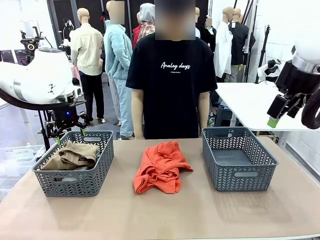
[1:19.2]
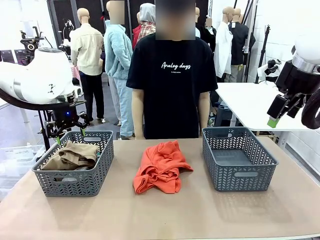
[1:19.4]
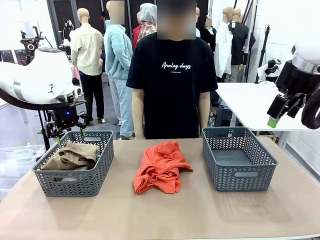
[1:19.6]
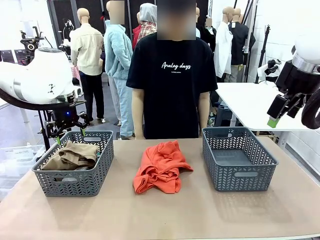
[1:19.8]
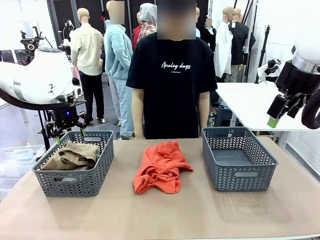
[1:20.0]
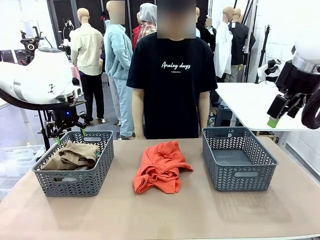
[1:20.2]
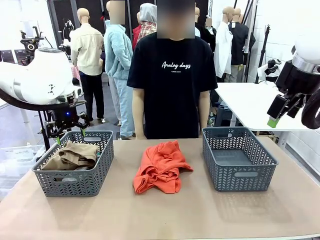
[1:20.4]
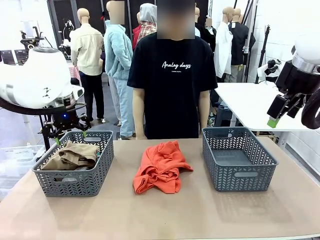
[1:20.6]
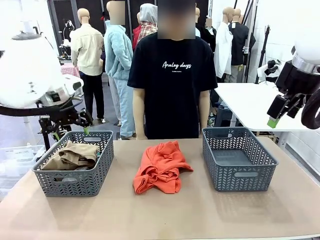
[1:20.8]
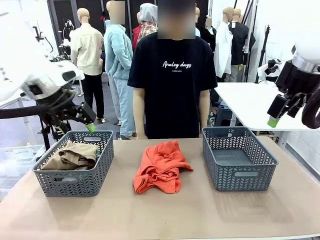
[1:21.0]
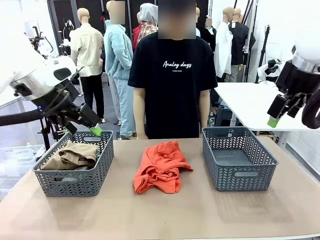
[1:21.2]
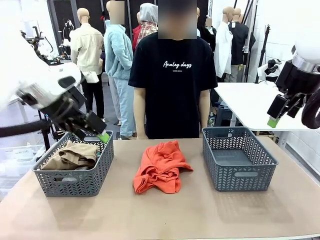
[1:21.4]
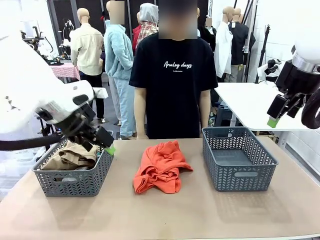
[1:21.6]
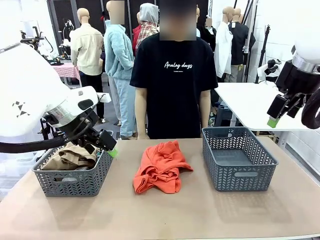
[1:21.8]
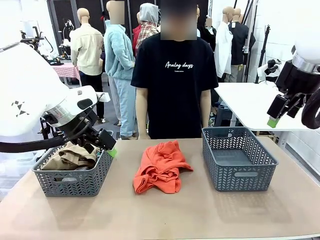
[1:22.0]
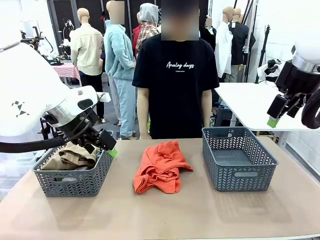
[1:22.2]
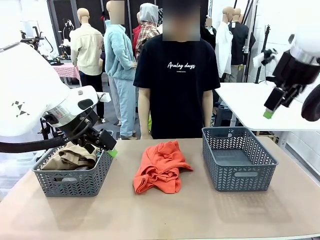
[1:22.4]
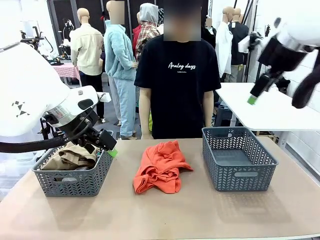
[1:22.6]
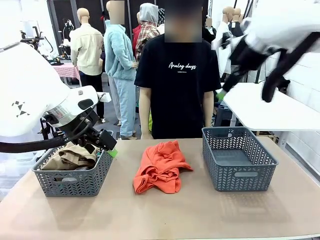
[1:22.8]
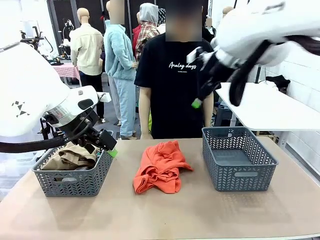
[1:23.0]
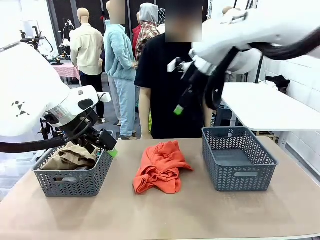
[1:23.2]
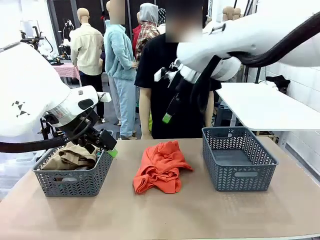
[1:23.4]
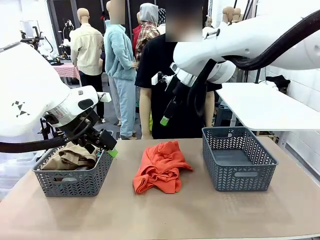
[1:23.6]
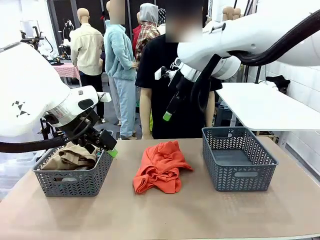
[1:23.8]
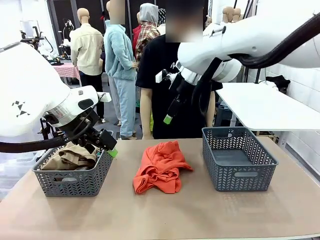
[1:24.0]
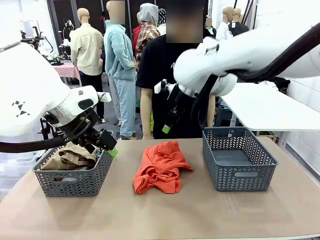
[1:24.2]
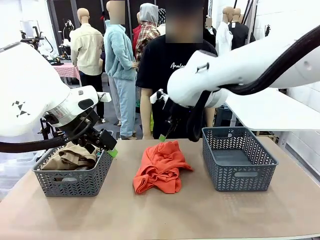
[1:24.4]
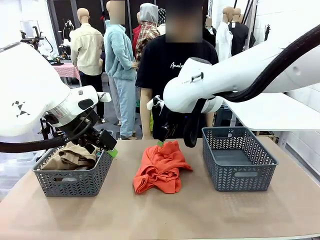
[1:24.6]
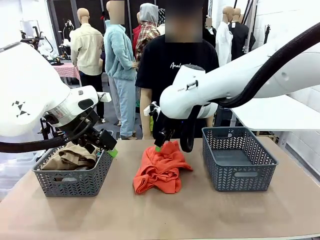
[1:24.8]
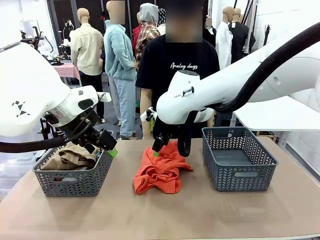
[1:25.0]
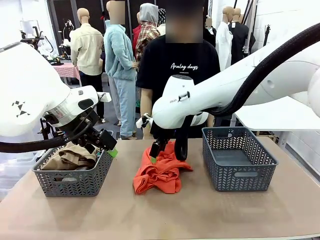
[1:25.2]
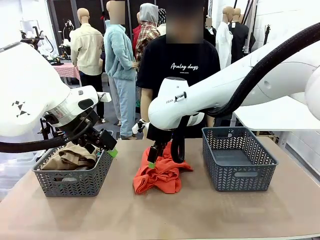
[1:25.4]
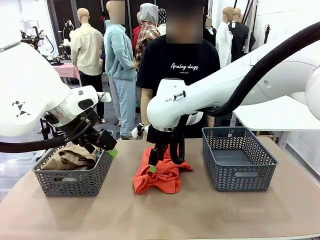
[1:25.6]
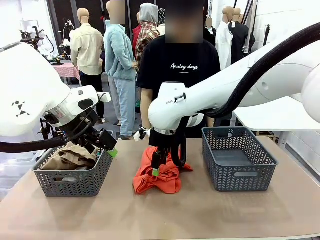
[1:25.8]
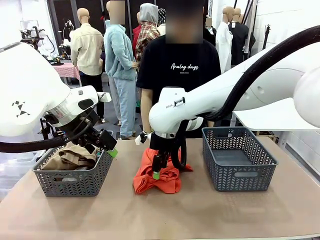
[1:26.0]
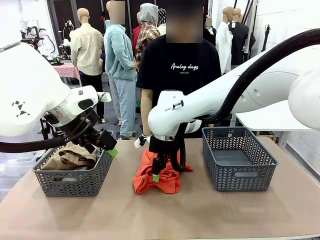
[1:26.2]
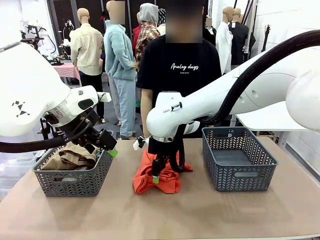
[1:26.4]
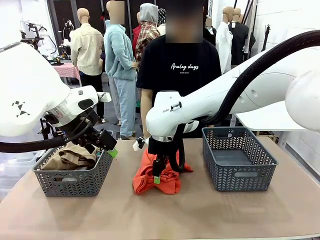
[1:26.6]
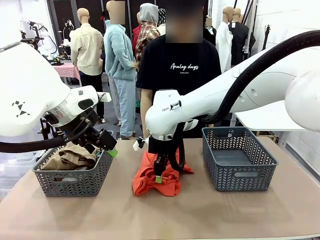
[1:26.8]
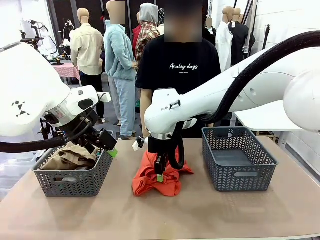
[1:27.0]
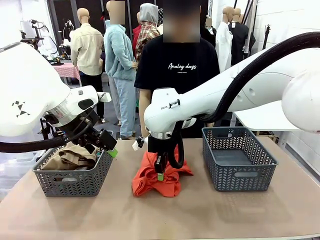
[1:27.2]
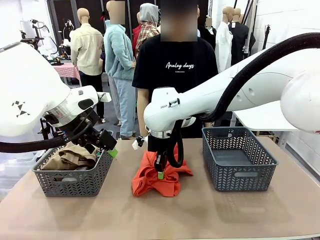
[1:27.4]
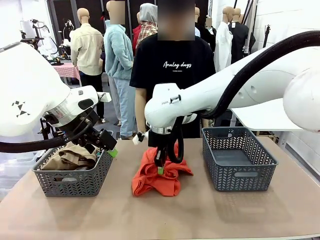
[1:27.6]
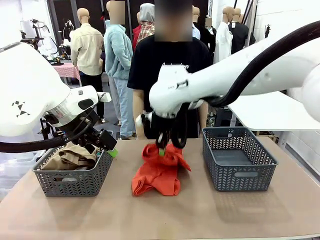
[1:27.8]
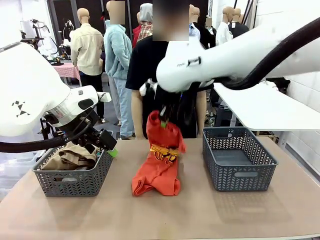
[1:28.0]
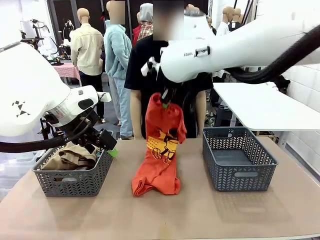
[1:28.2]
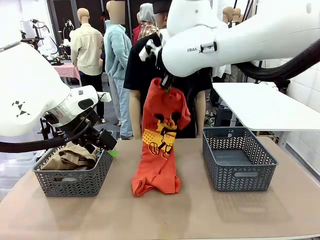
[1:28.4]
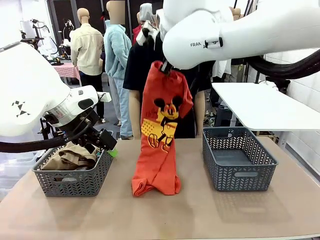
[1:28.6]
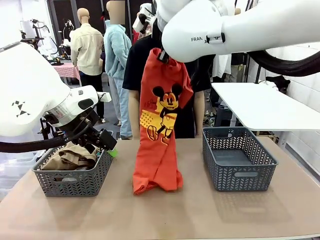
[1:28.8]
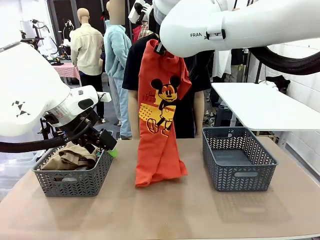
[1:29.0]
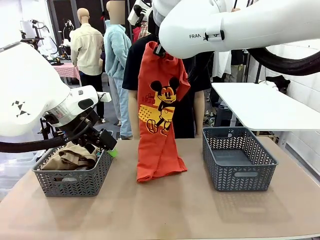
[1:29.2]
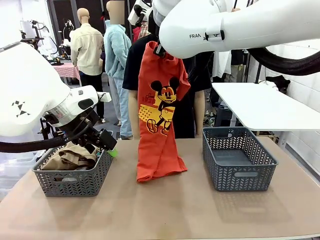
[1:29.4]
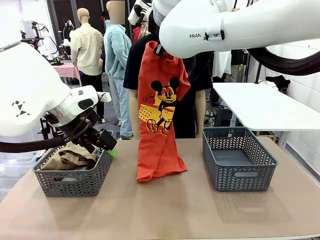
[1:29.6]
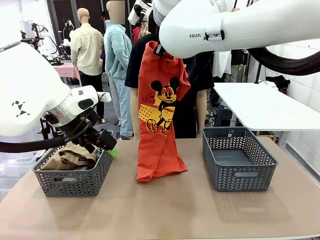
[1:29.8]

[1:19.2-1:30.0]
Task: Sort the tops and bottoms.
Robot: Lift clothes from the center of the table with your right hand.

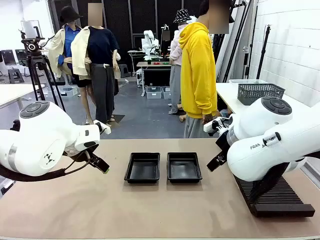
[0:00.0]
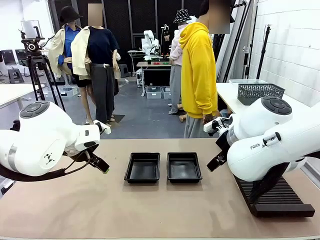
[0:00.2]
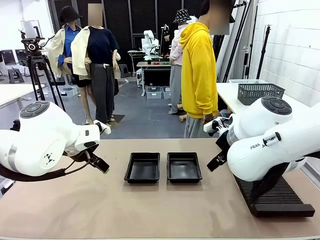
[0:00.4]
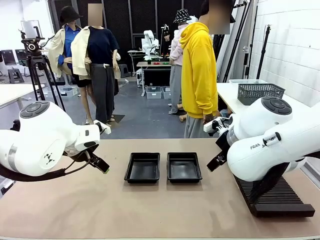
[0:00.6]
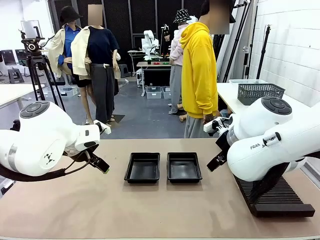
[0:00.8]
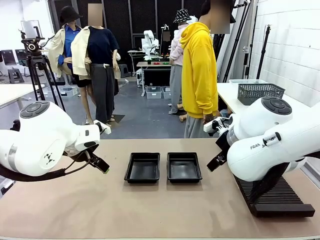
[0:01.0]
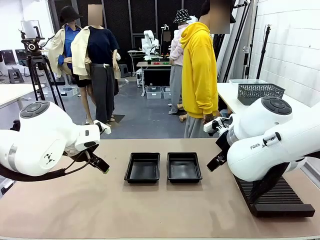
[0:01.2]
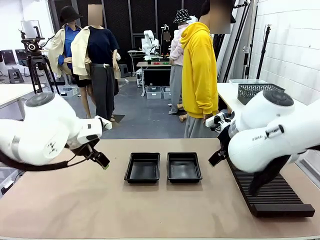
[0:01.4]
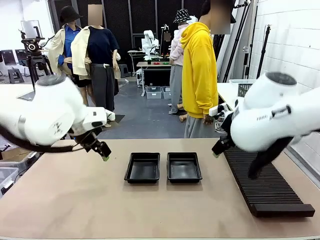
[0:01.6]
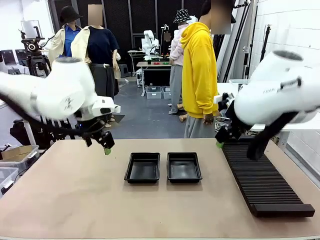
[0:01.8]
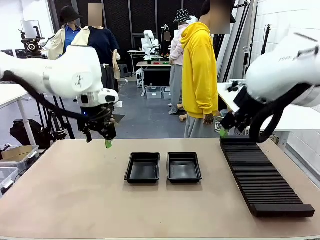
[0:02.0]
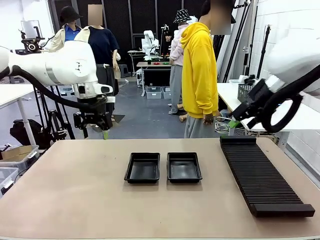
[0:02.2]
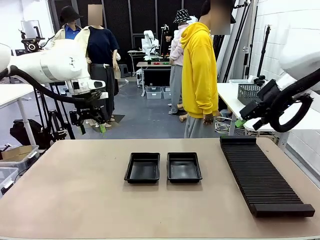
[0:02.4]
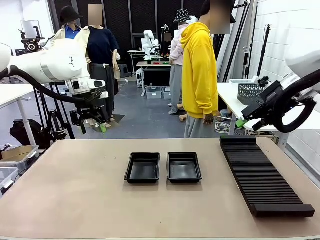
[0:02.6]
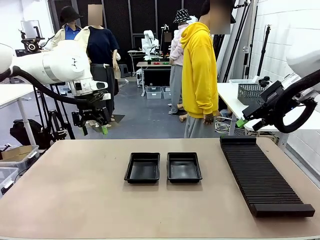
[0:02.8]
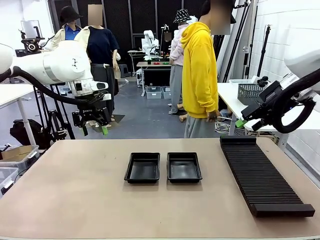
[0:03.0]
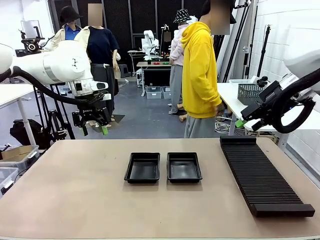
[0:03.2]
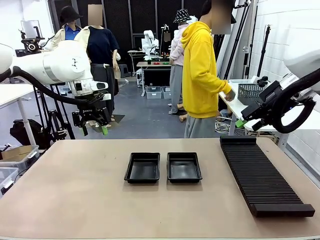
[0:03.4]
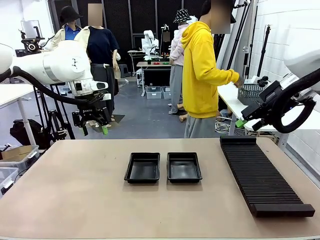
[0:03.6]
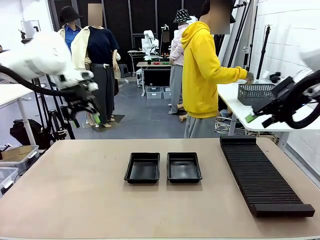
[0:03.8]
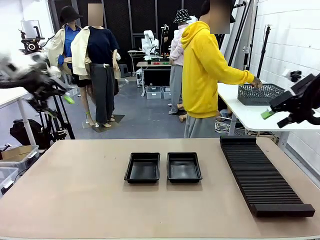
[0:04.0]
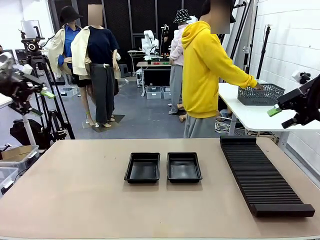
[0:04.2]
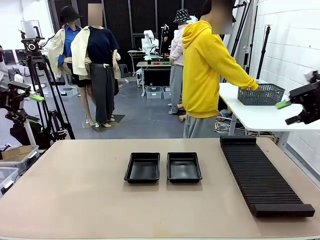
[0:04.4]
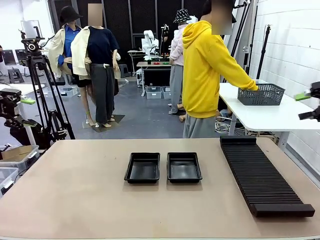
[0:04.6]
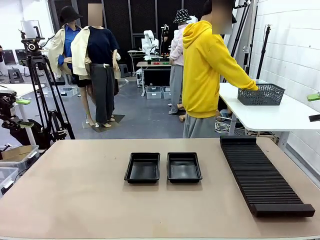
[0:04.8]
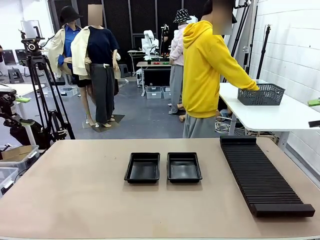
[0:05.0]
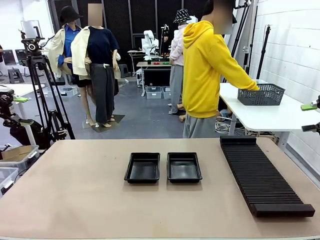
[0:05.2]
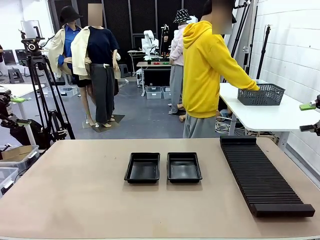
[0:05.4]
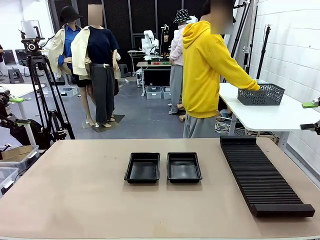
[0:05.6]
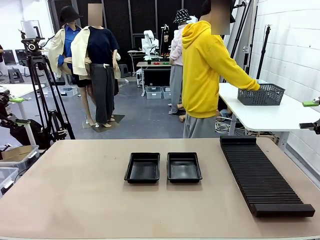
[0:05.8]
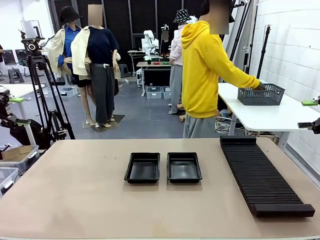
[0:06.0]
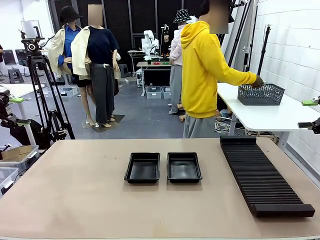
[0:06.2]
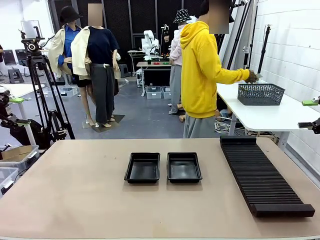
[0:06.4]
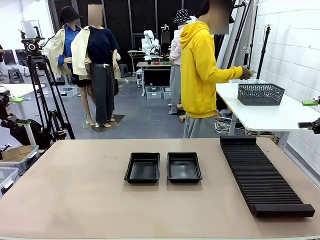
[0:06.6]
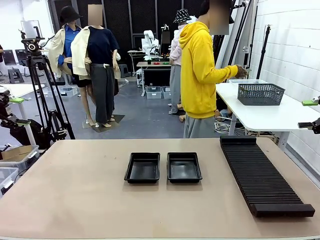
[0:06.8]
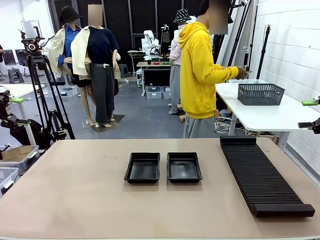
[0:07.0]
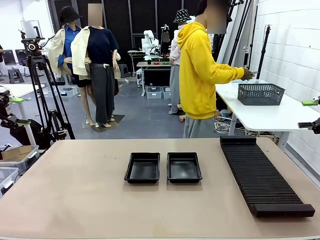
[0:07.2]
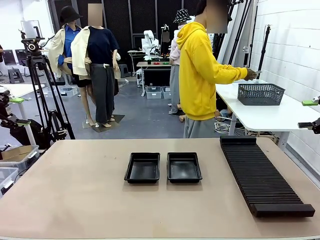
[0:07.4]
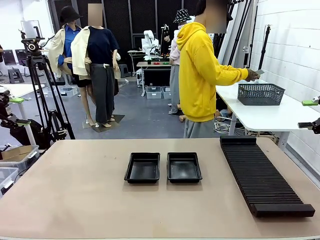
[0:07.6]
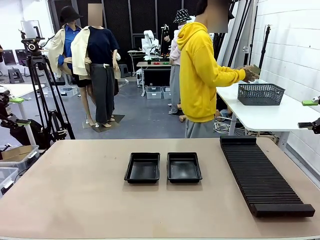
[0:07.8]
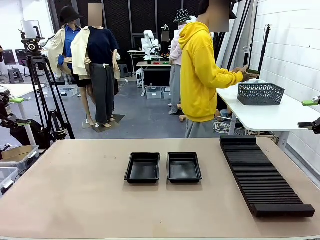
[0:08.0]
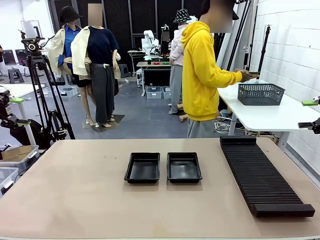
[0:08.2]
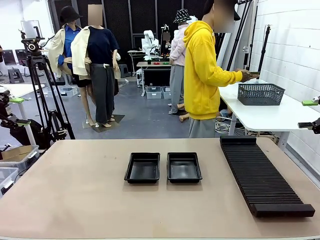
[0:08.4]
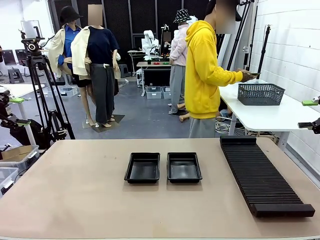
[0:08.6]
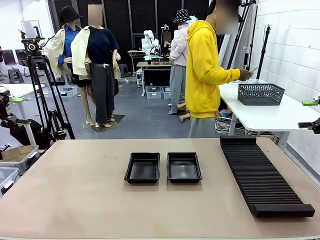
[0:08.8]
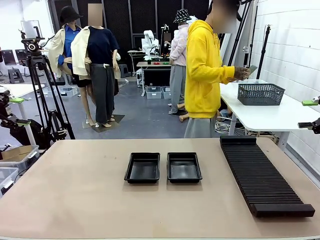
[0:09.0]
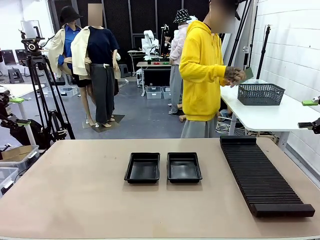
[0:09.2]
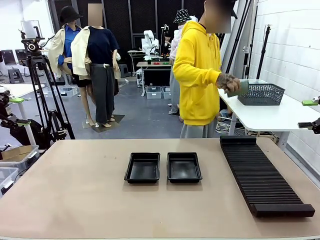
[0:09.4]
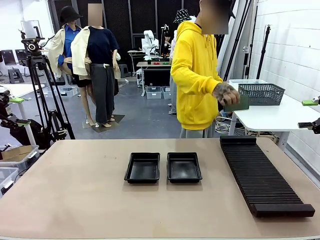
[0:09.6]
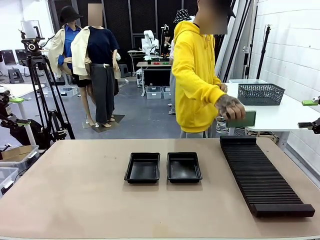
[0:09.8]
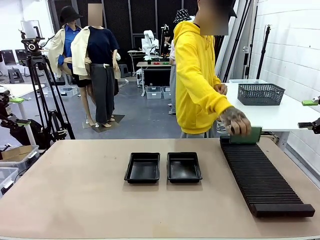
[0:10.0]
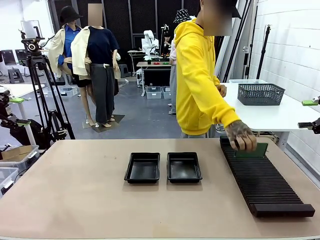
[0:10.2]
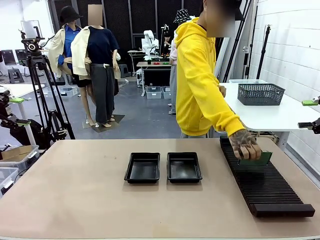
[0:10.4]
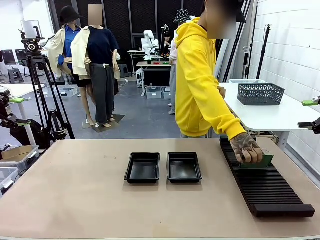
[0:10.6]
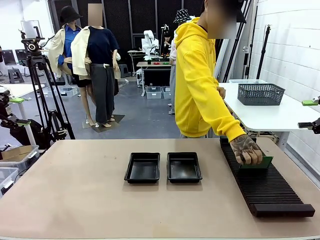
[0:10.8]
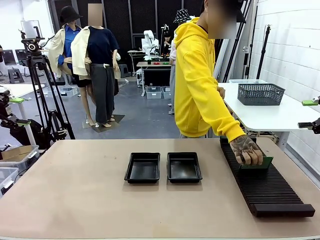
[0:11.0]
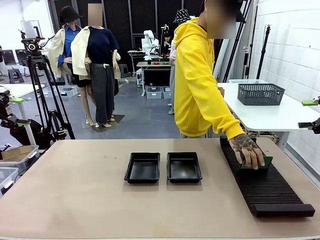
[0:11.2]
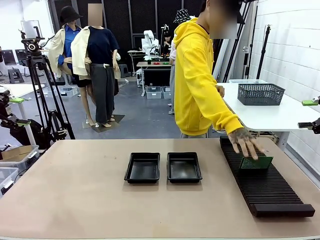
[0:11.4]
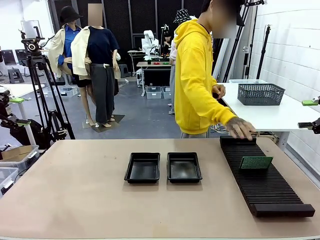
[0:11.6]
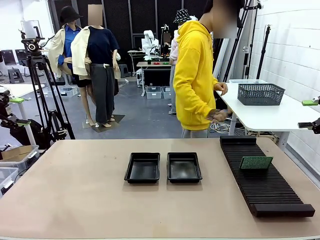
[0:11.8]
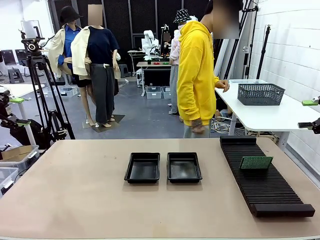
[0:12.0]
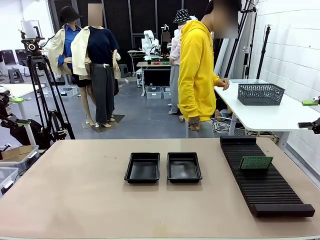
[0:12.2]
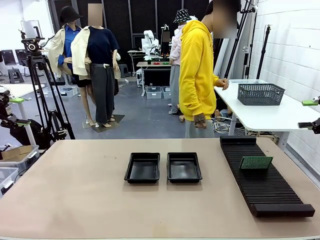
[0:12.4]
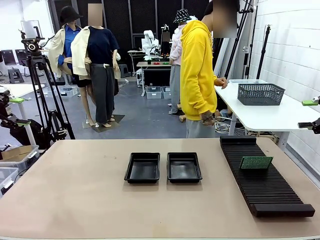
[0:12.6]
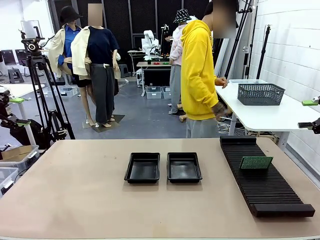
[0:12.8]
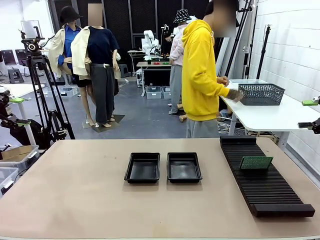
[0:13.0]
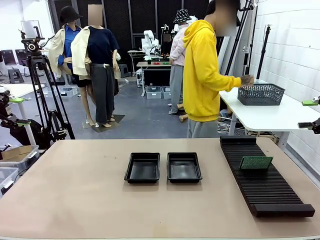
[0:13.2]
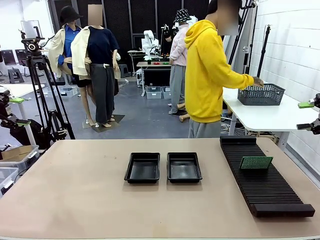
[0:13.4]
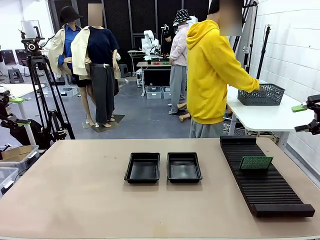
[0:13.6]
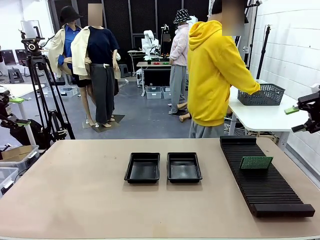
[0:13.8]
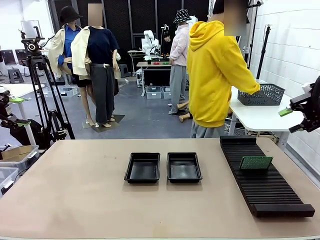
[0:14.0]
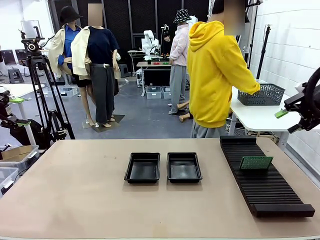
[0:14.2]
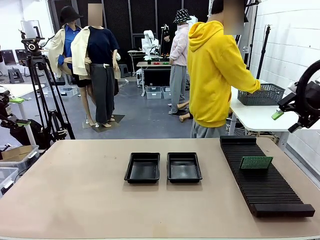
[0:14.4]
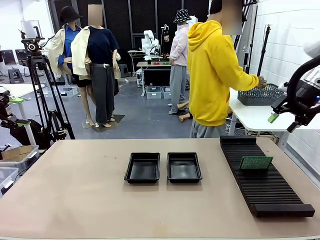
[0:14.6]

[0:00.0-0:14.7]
Task: Inspect and transfer BCBs to ESD trays.
Robot: Pick up the Blank PCB from the PCB Rack and place it in the left ESD tray.
